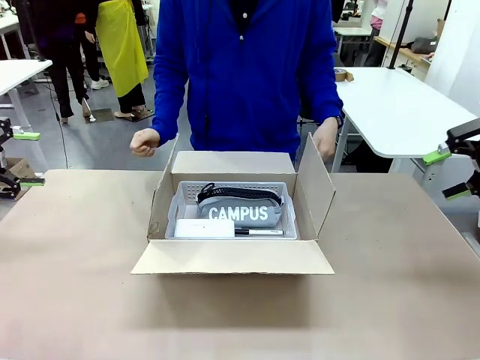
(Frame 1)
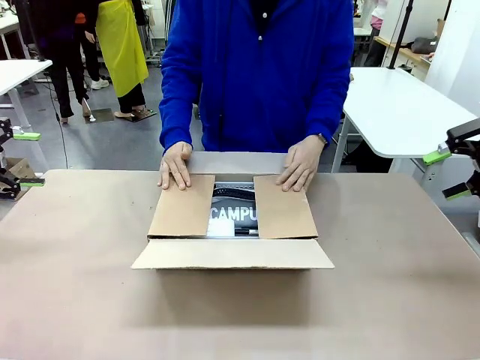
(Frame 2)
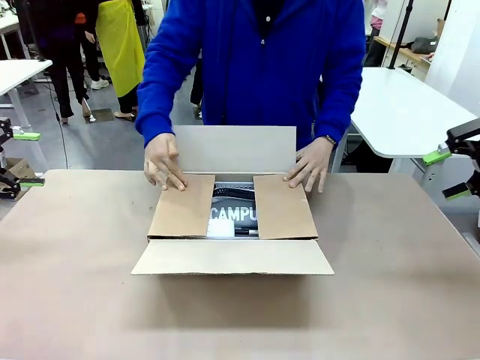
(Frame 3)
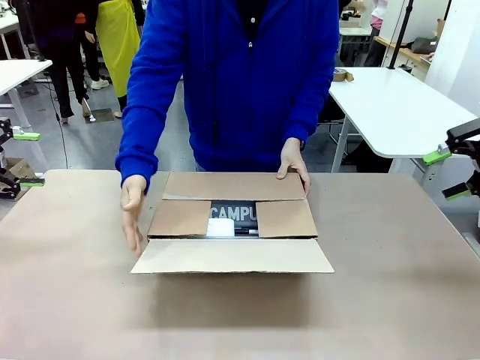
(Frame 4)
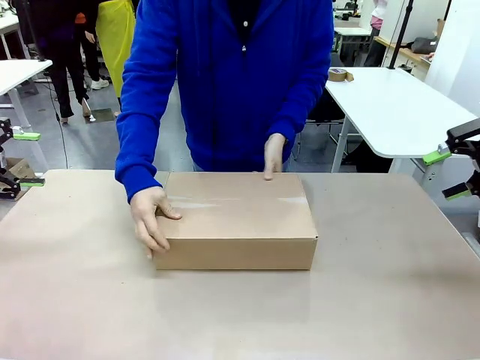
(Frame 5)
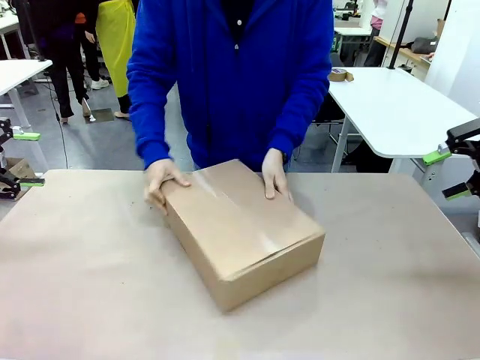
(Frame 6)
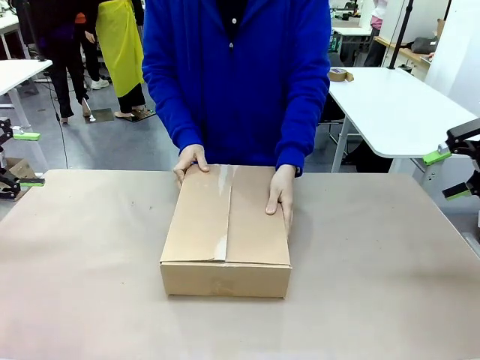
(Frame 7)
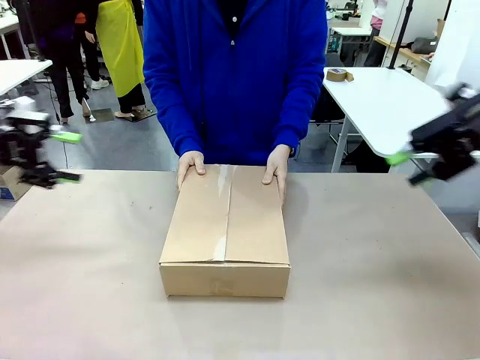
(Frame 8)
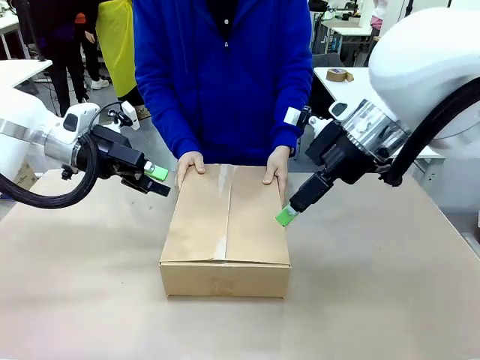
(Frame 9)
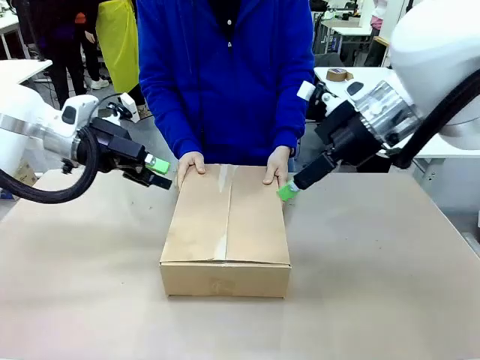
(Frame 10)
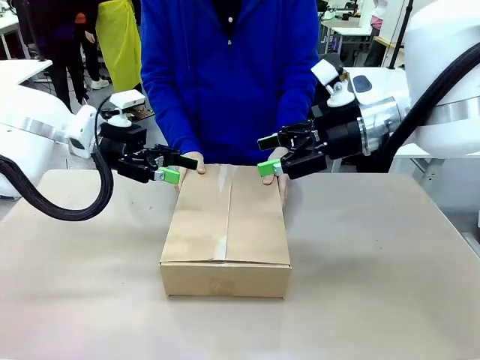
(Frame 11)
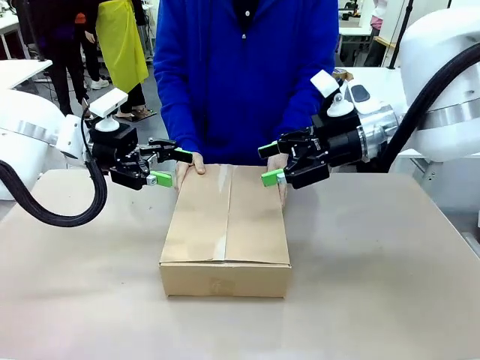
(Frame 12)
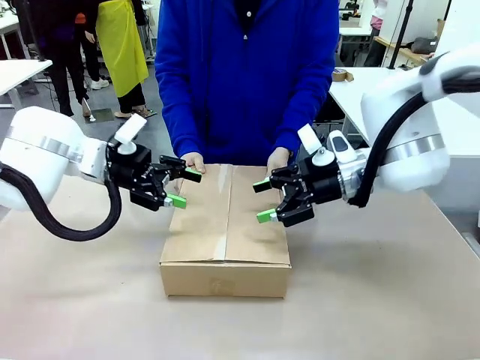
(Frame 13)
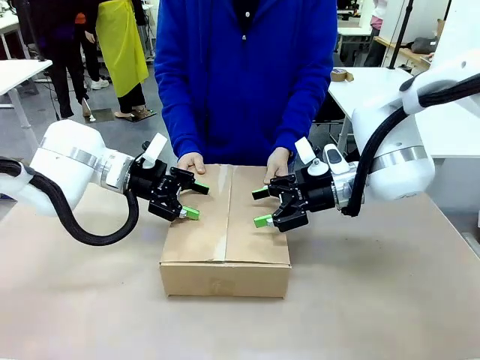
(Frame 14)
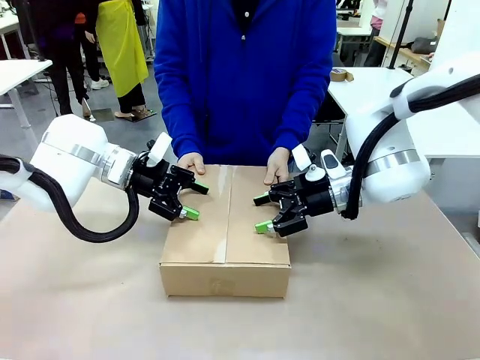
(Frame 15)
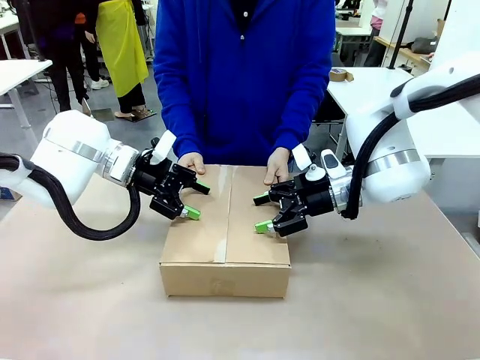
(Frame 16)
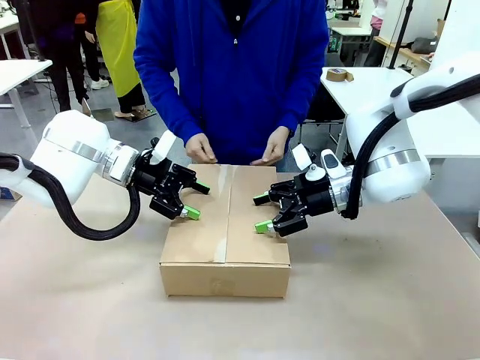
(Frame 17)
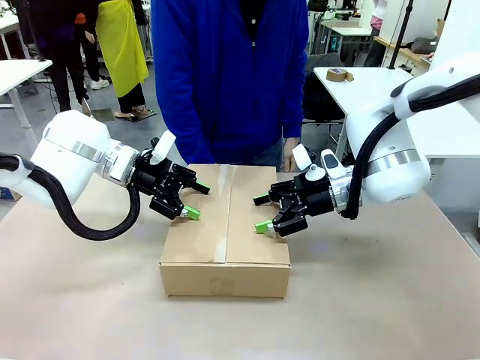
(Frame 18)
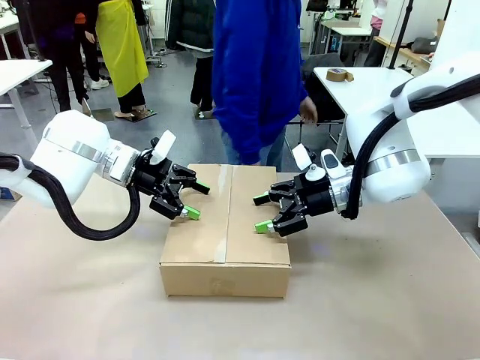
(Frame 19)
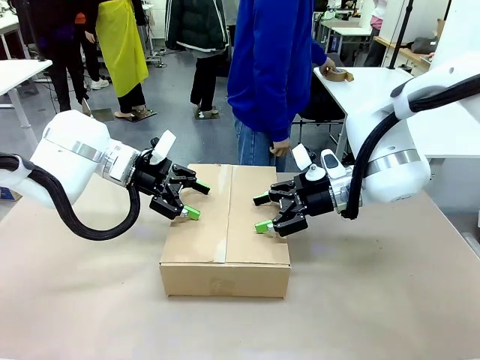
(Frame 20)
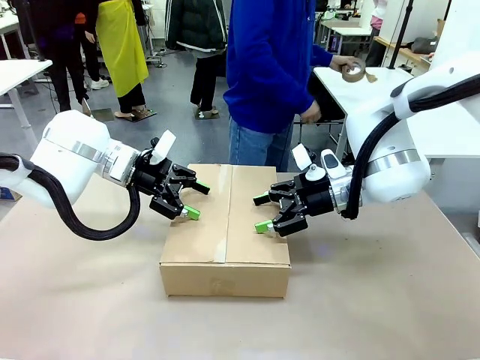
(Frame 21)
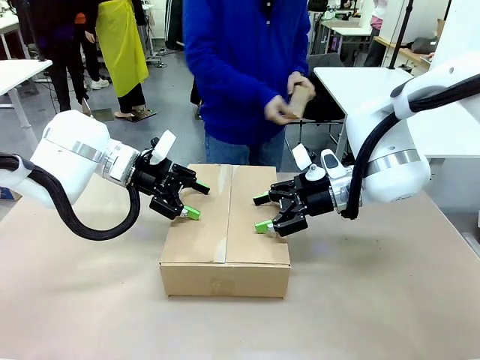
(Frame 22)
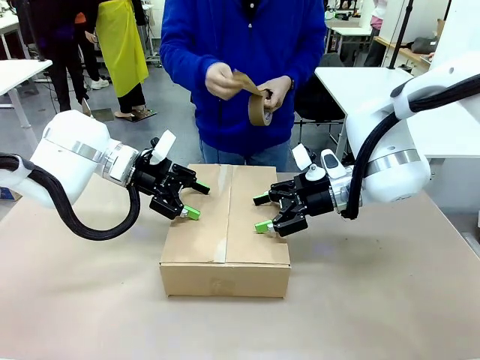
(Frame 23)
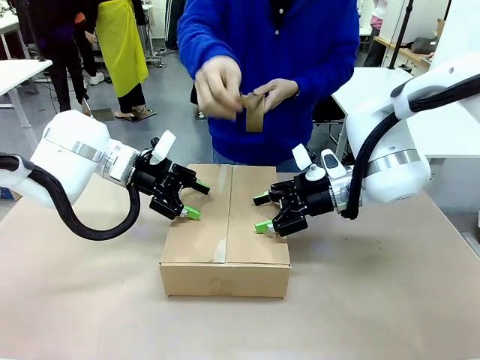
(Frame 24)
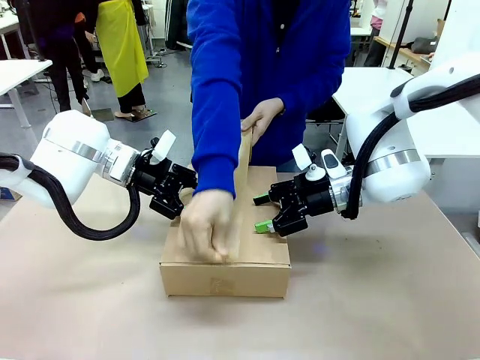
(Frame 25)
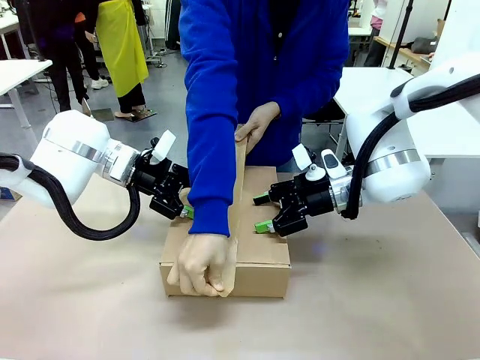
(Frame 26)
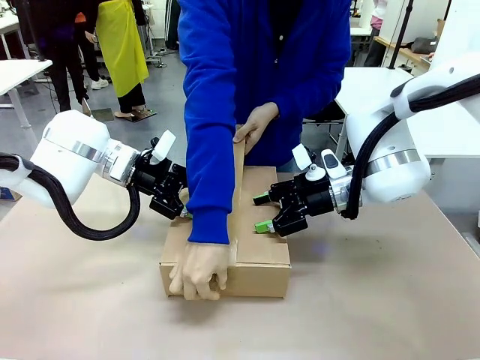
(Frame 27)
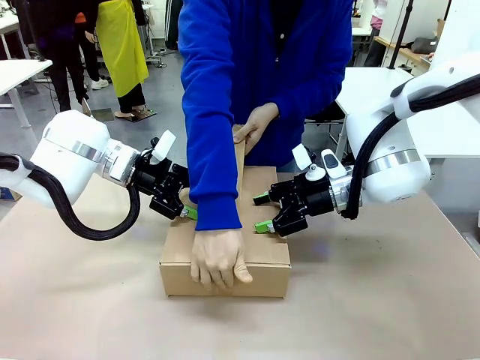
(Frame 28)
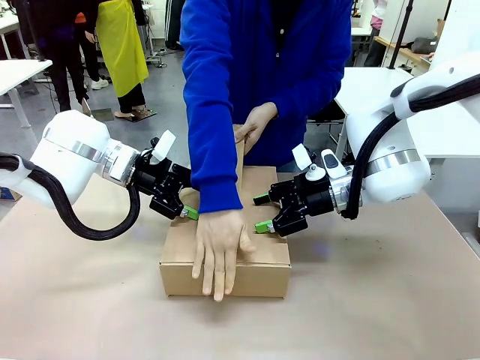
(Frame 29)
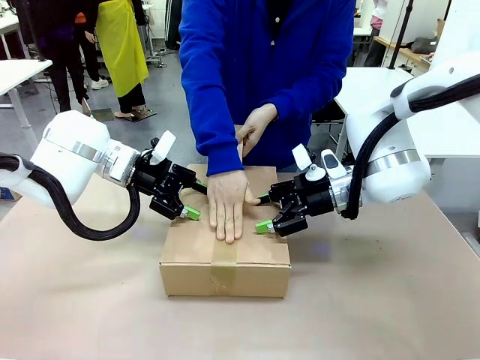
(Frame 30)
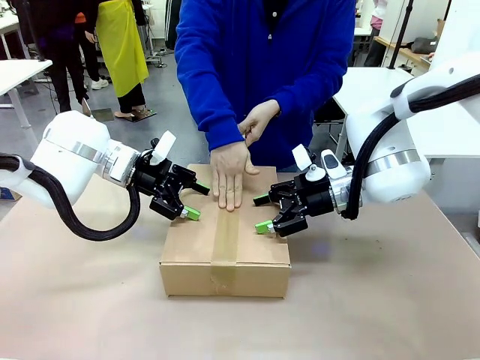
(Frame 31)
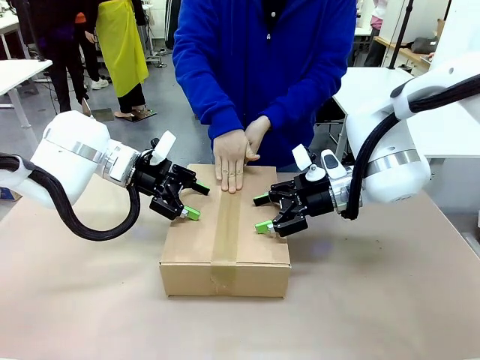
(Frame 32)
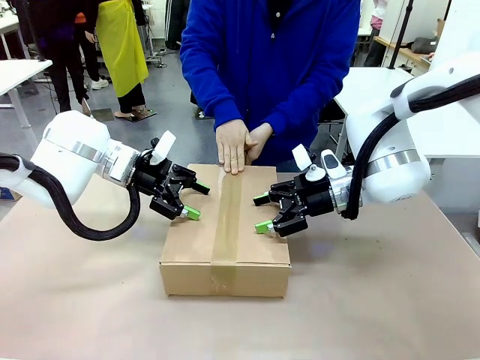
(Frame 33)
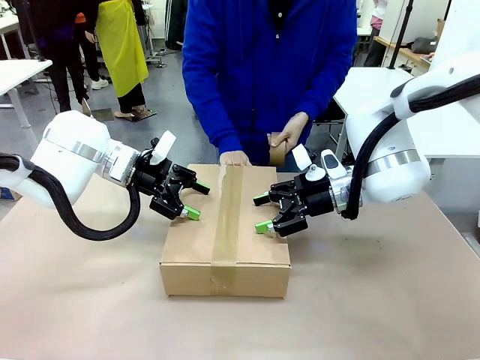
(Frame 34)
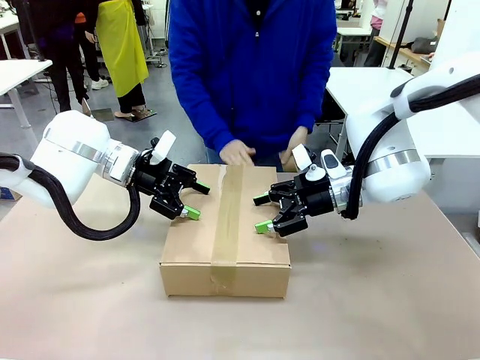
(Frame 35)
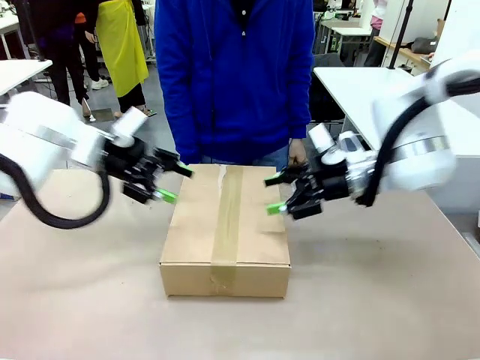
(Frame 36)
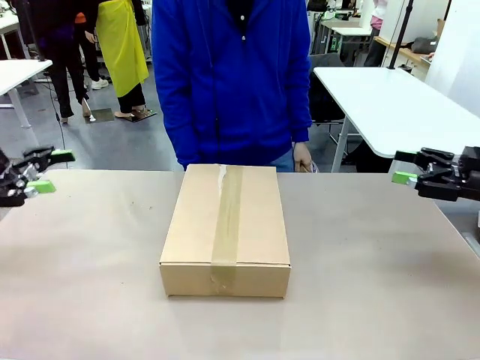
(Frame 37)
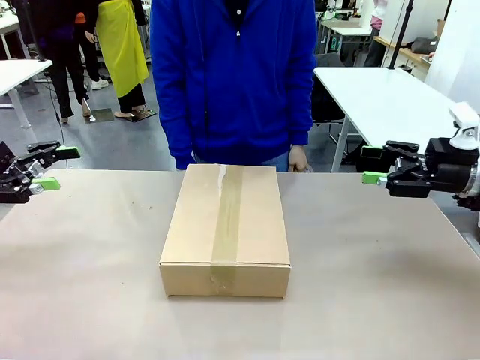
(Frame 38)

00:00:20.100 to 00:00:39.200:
Task: Pack the gift set into the box.
Robot: Press and hold the closed box until the human finishes sealing it.
Person: The human closes the box and rotates the box by 90 degrees. The human picks up the paper tape from the human table and packs the box.

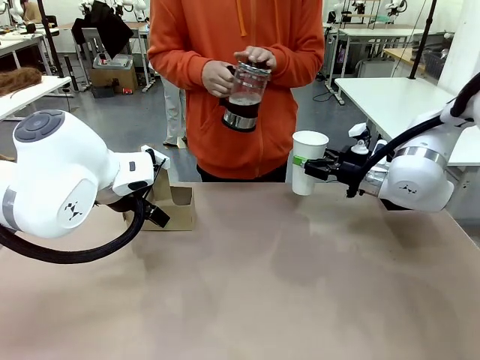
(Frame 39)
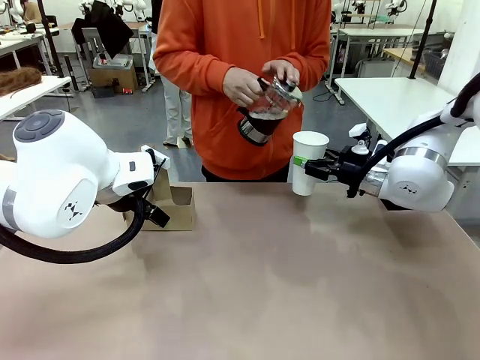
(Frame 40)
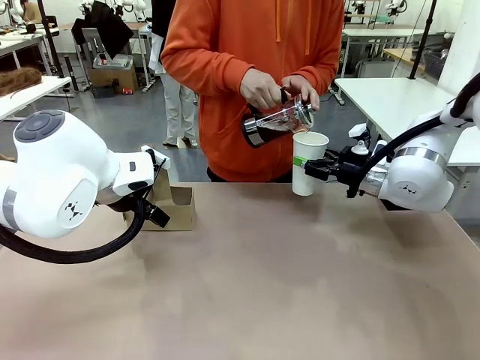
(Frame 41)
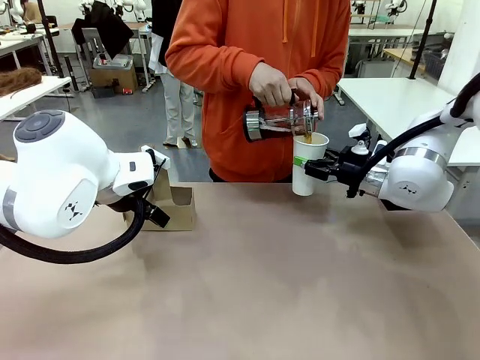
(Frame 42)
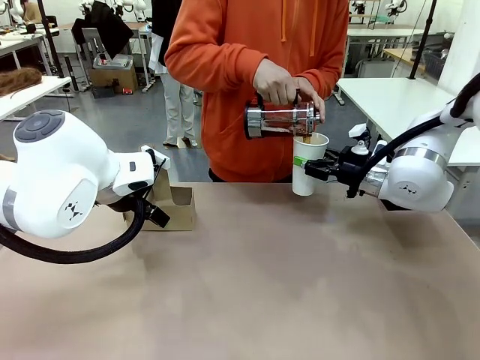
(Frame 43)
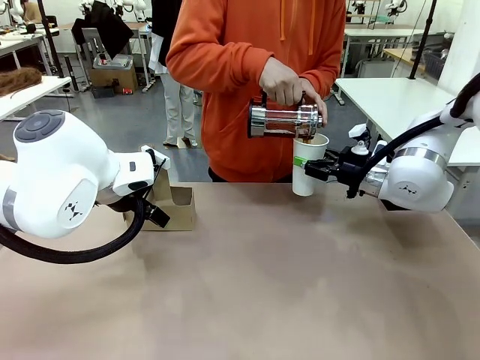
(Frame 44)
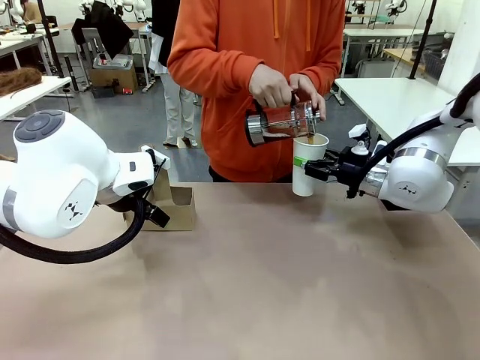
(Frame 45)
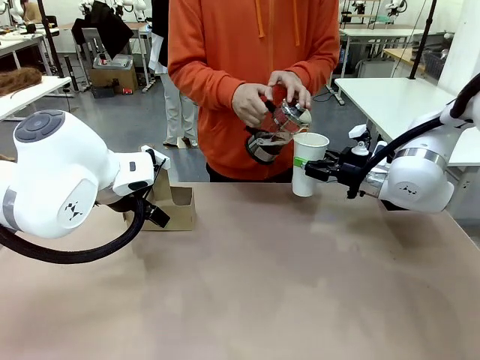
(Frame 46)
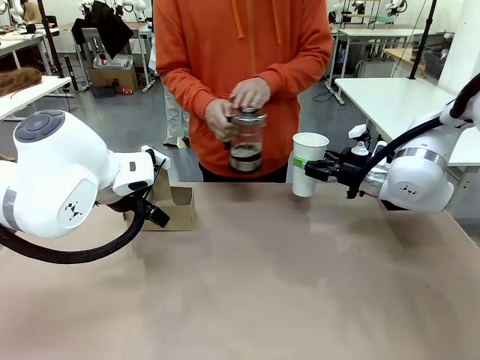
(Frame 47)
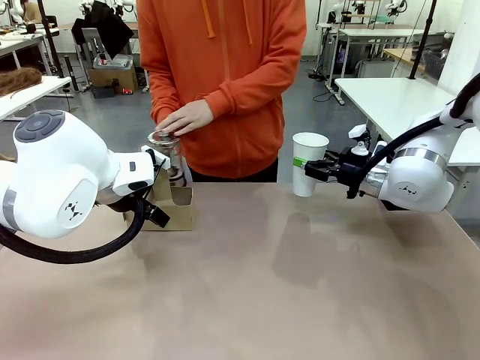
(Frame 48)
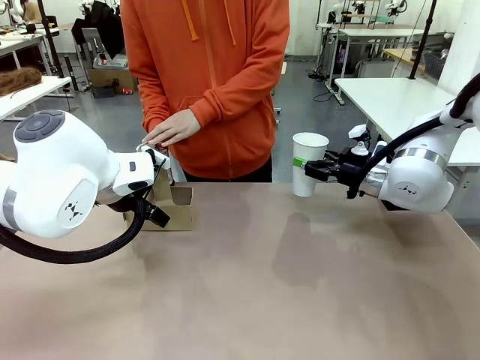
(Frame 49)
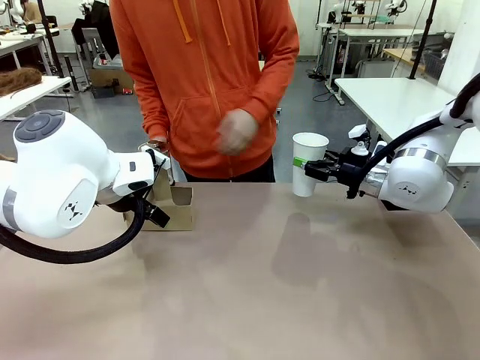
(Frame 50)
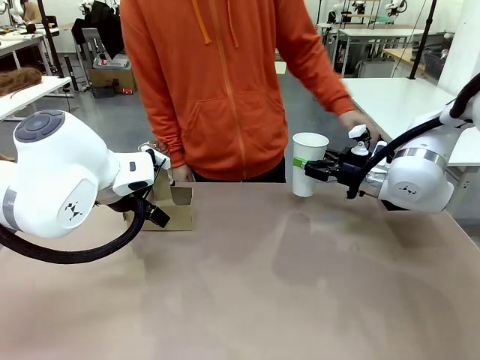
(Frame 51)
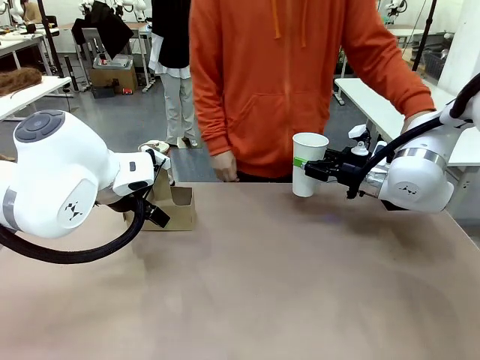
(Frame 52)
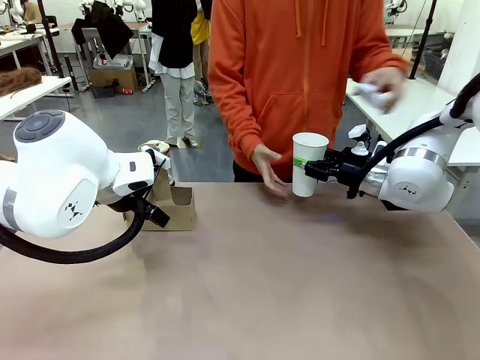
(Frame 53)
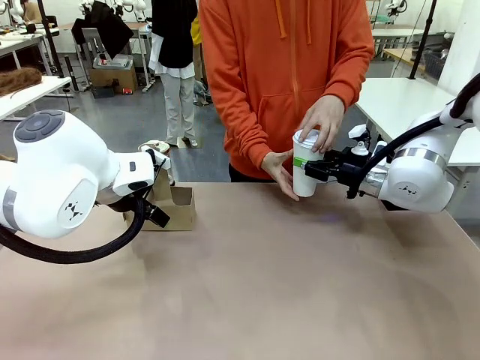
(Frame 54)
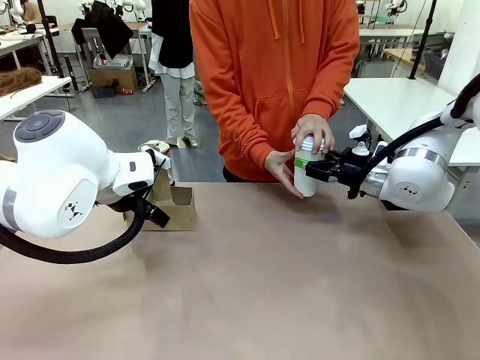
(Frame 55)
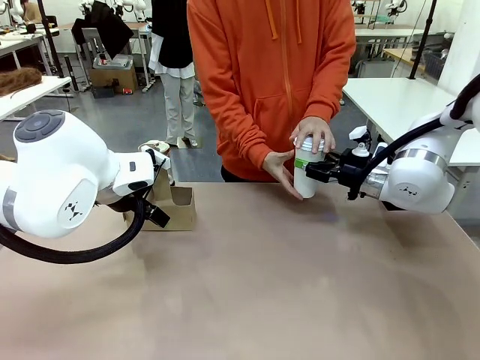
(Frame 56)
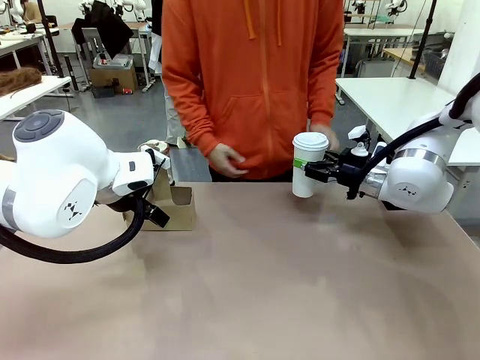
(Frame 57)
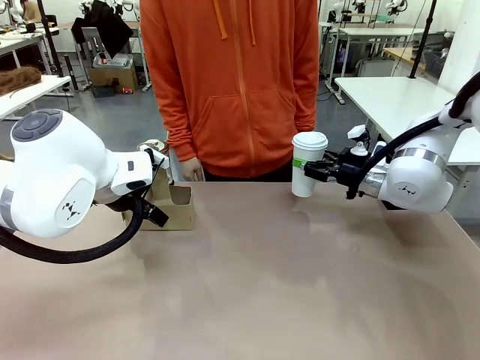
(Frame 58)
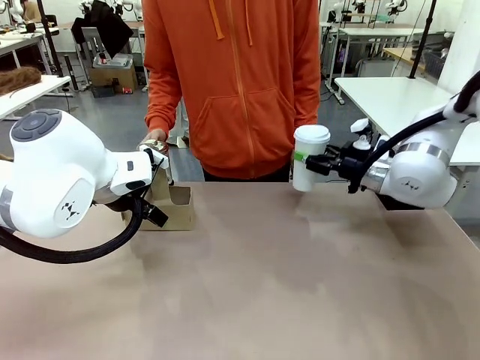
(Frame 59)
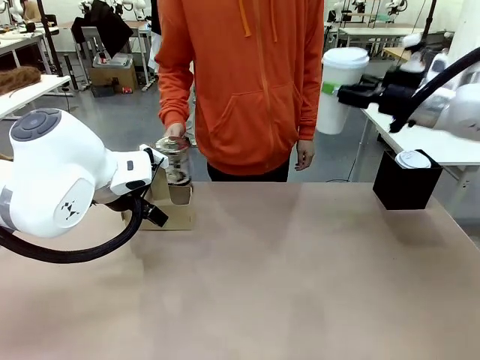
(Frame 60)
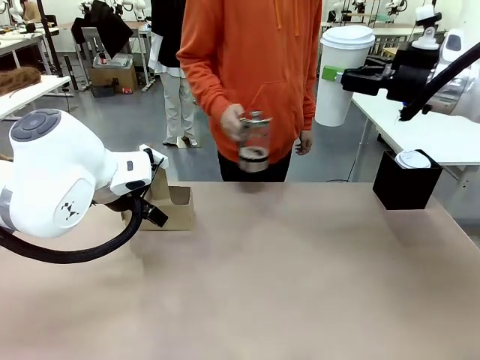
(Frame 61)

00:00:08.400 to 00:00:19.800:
Task: Pour a drink into a cup and package it in a carrier.
Robot: When a person places the Paper Cup Lid on the 600 ml Paper Cup , lift the 600 ml Paper Cup.
Person: Pour the drink from the Filter Brewing into the 600 ml Paper Cup. Place a Paper Cup Lid on the 600 ml Paper Cup.
